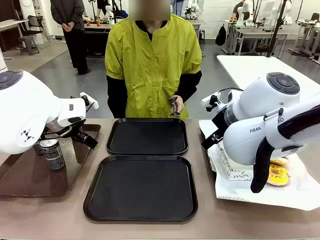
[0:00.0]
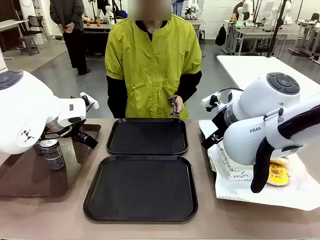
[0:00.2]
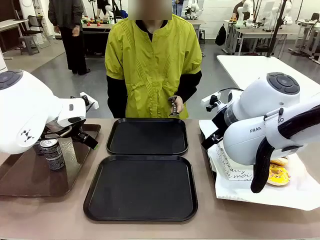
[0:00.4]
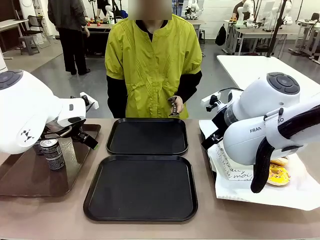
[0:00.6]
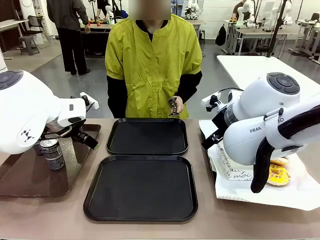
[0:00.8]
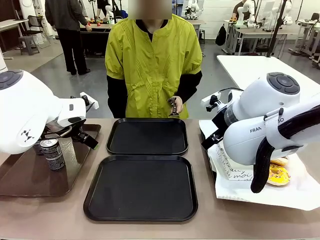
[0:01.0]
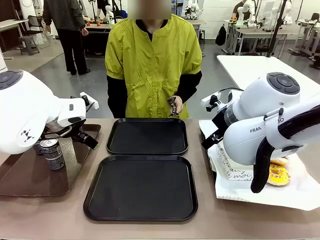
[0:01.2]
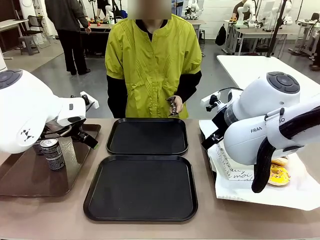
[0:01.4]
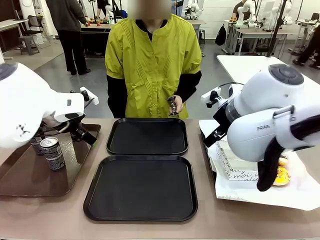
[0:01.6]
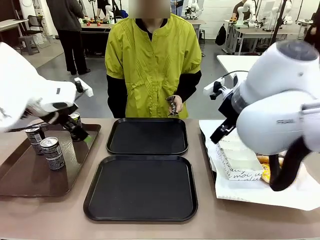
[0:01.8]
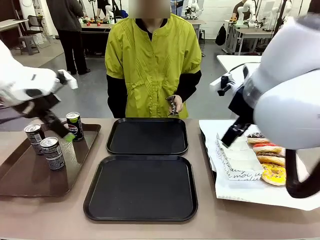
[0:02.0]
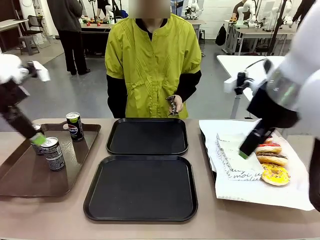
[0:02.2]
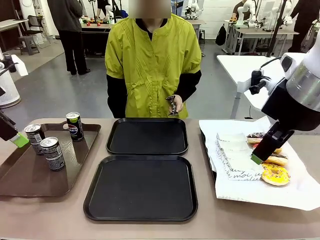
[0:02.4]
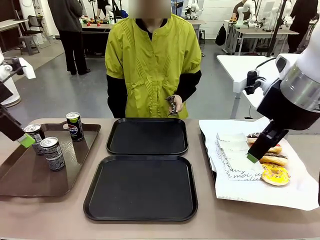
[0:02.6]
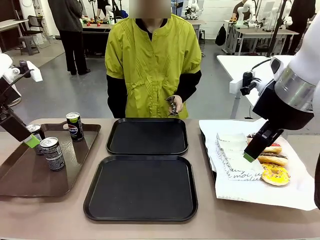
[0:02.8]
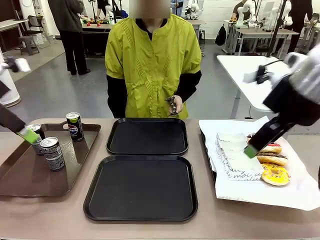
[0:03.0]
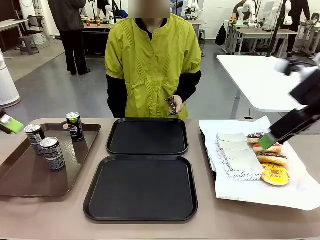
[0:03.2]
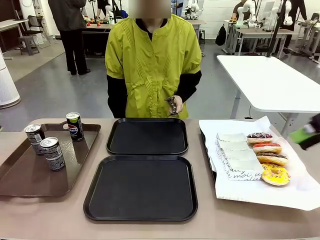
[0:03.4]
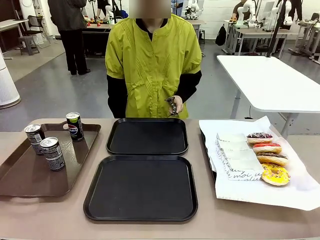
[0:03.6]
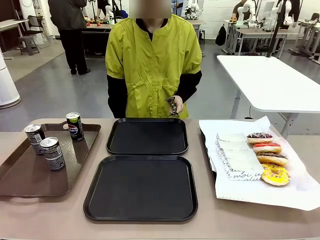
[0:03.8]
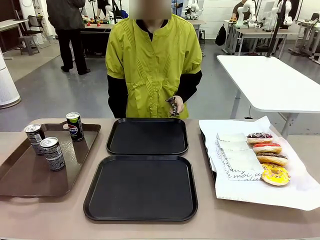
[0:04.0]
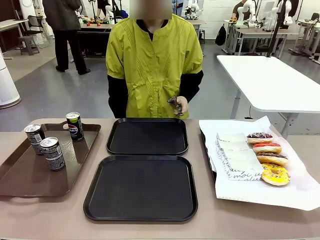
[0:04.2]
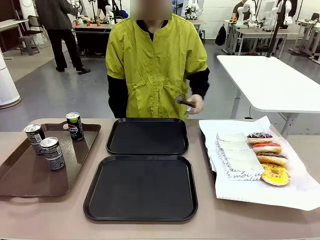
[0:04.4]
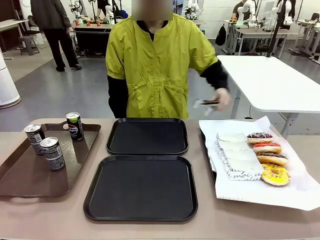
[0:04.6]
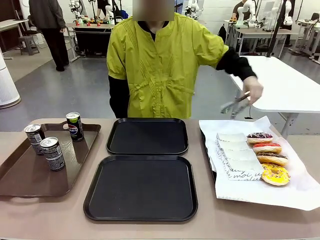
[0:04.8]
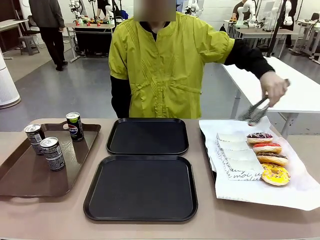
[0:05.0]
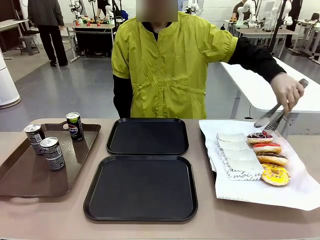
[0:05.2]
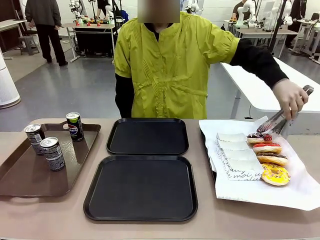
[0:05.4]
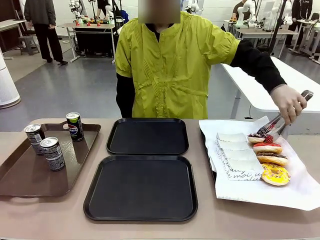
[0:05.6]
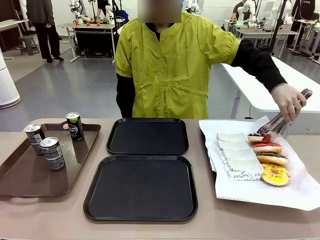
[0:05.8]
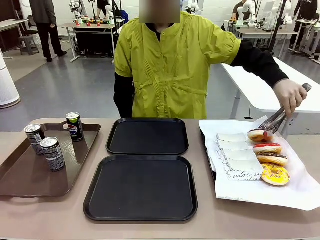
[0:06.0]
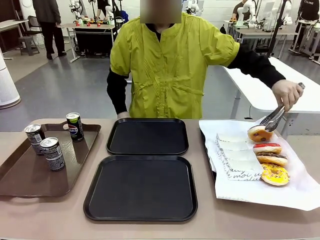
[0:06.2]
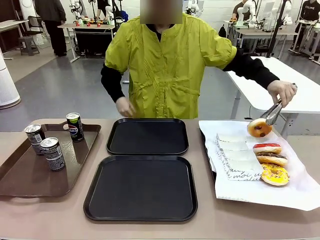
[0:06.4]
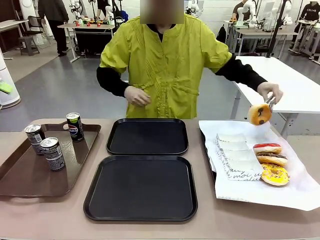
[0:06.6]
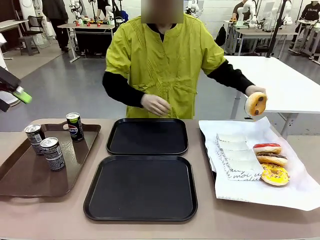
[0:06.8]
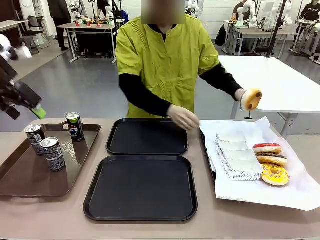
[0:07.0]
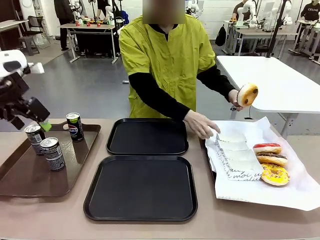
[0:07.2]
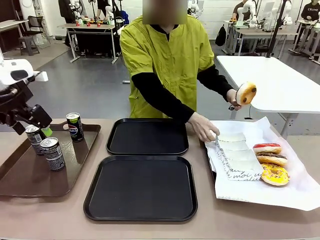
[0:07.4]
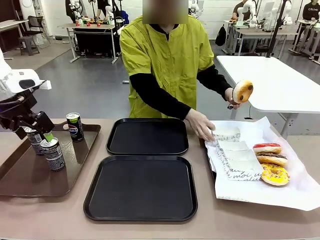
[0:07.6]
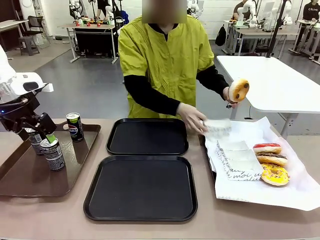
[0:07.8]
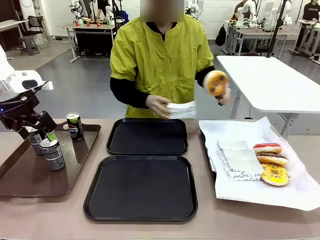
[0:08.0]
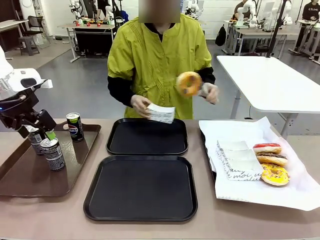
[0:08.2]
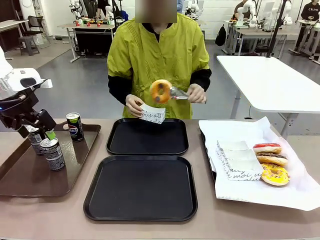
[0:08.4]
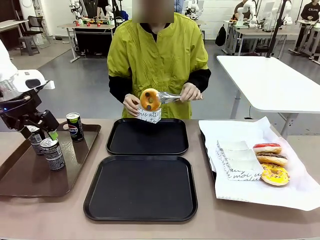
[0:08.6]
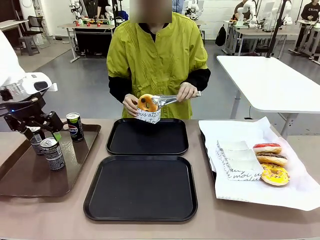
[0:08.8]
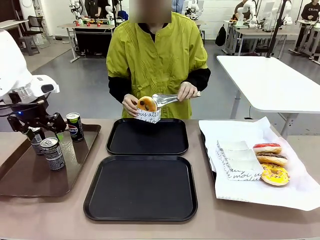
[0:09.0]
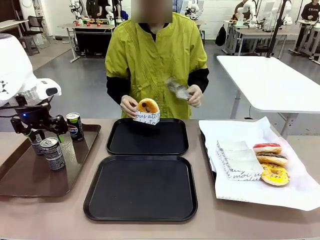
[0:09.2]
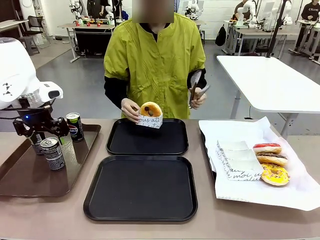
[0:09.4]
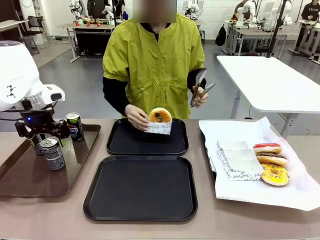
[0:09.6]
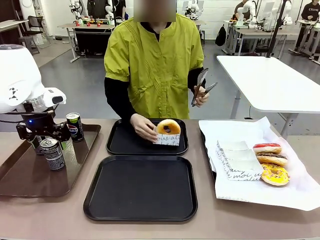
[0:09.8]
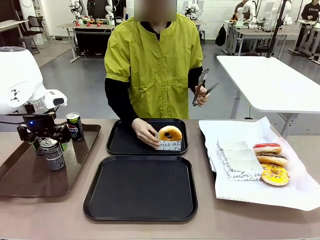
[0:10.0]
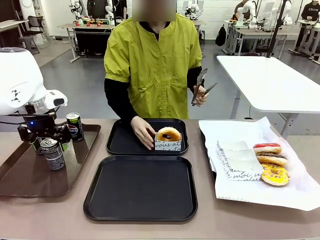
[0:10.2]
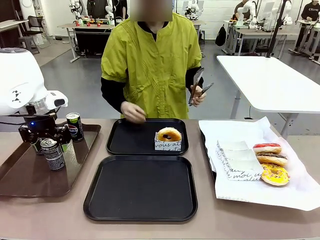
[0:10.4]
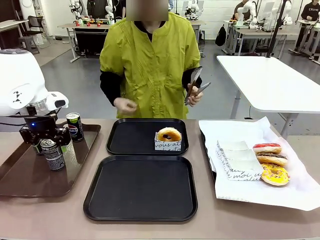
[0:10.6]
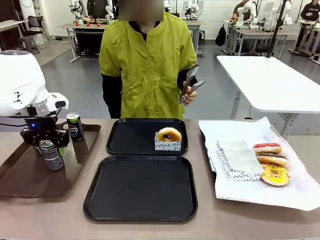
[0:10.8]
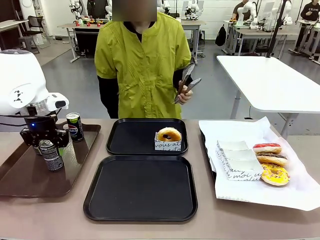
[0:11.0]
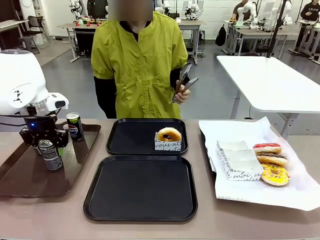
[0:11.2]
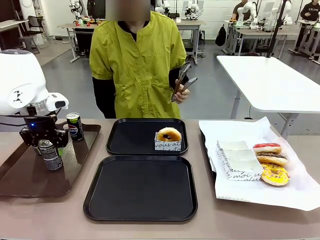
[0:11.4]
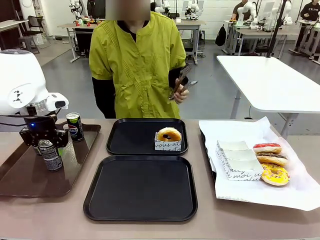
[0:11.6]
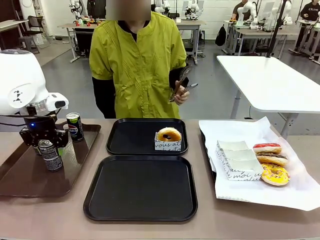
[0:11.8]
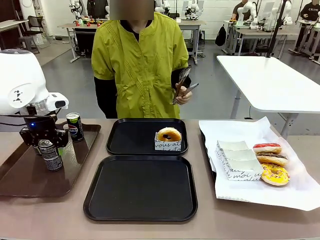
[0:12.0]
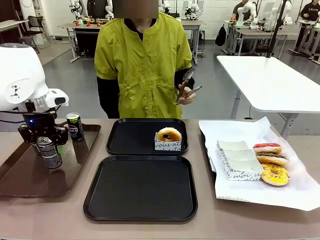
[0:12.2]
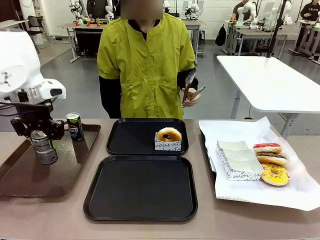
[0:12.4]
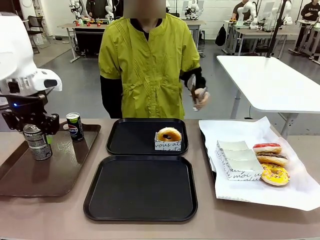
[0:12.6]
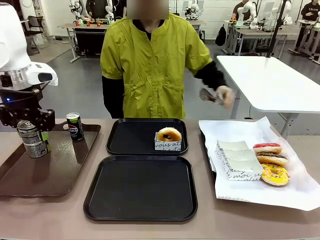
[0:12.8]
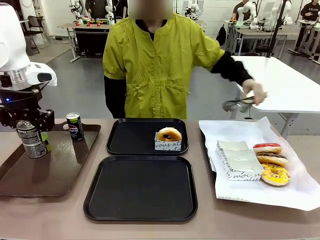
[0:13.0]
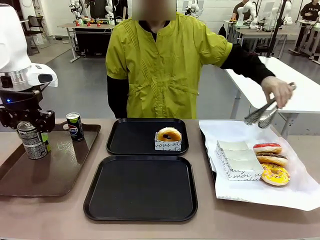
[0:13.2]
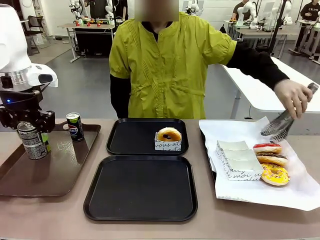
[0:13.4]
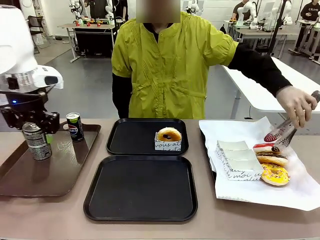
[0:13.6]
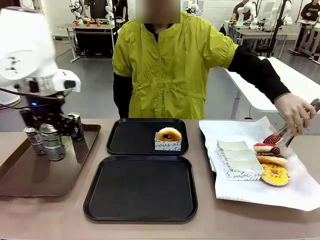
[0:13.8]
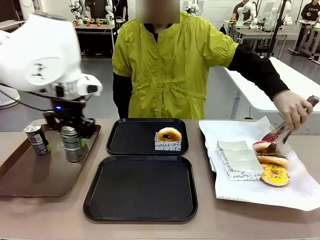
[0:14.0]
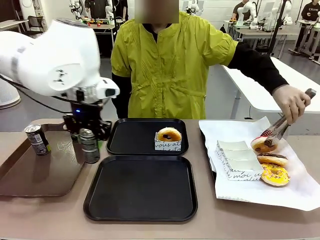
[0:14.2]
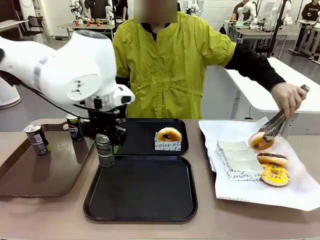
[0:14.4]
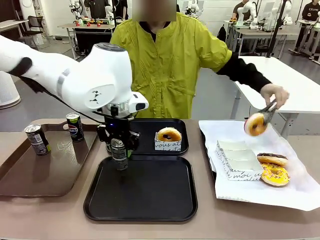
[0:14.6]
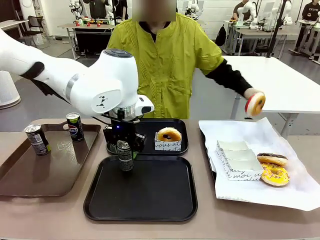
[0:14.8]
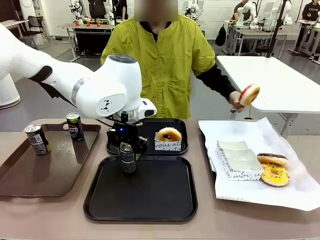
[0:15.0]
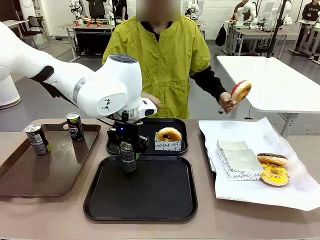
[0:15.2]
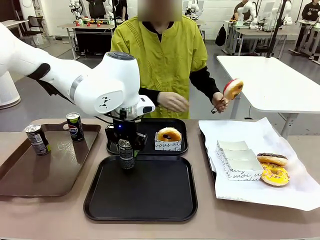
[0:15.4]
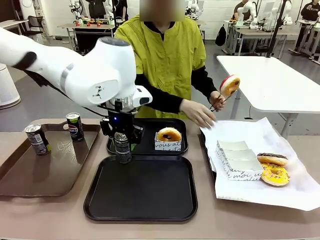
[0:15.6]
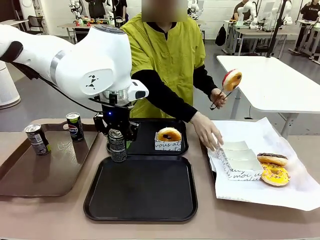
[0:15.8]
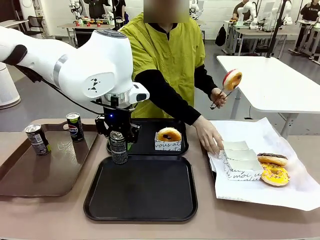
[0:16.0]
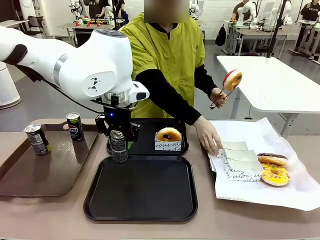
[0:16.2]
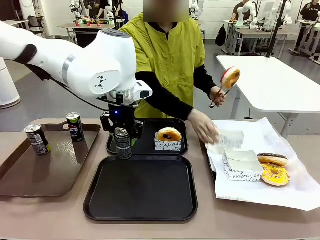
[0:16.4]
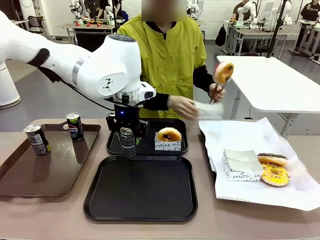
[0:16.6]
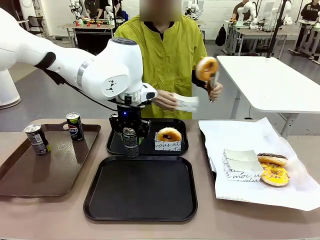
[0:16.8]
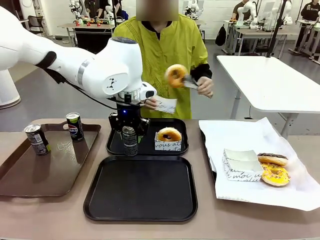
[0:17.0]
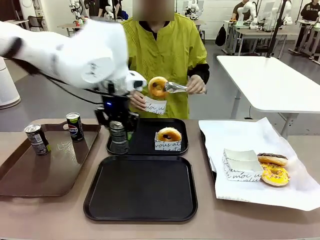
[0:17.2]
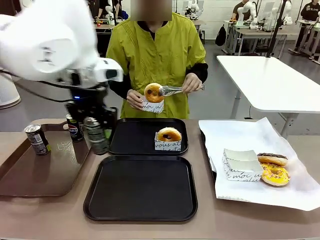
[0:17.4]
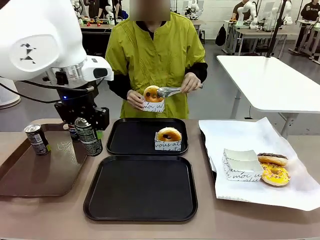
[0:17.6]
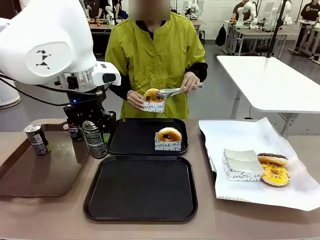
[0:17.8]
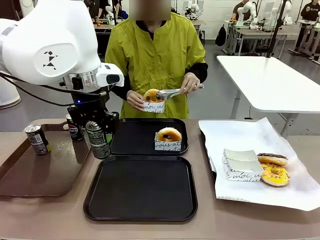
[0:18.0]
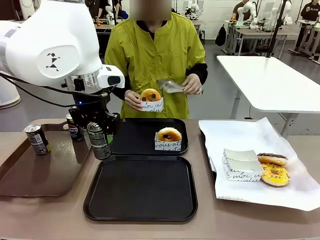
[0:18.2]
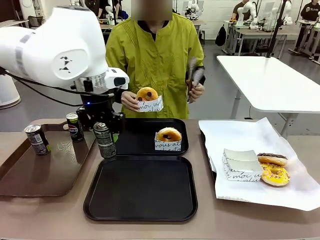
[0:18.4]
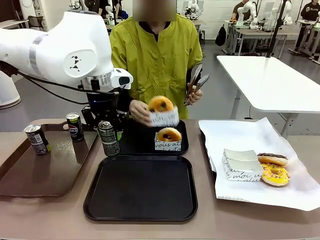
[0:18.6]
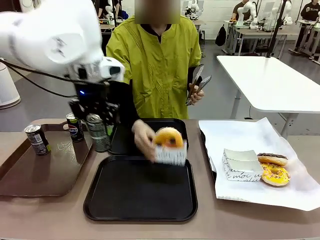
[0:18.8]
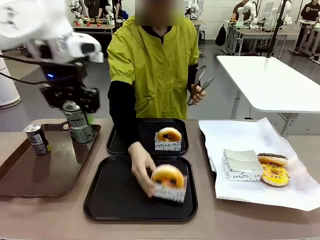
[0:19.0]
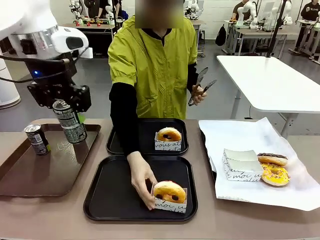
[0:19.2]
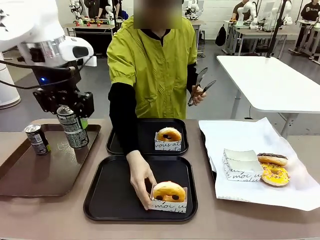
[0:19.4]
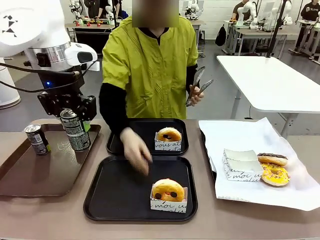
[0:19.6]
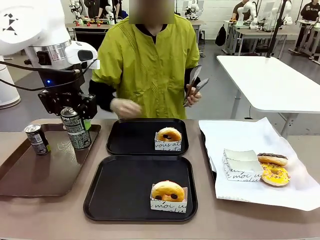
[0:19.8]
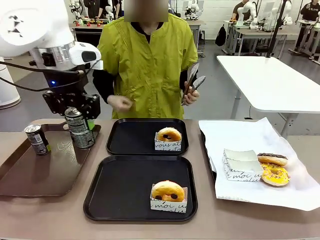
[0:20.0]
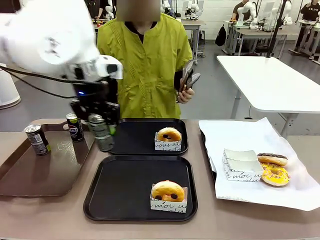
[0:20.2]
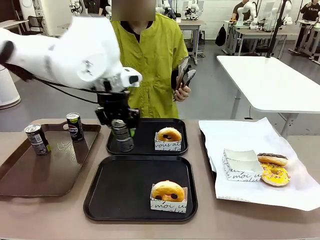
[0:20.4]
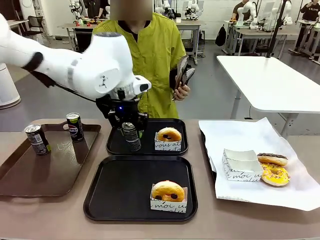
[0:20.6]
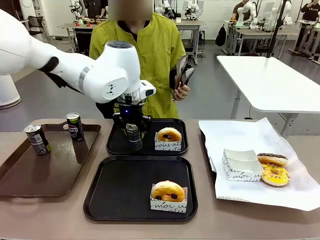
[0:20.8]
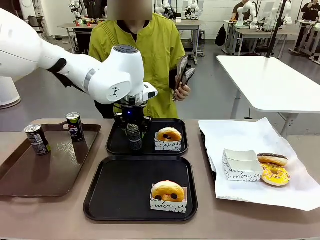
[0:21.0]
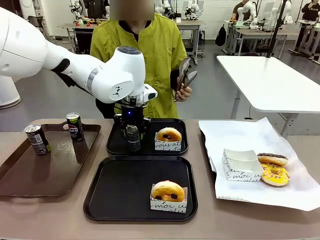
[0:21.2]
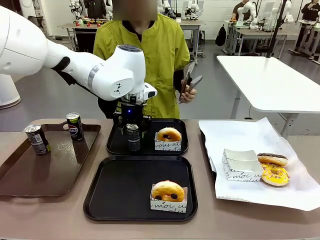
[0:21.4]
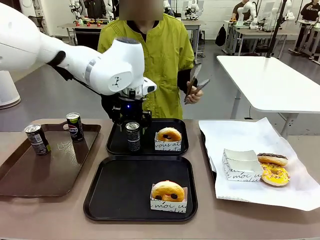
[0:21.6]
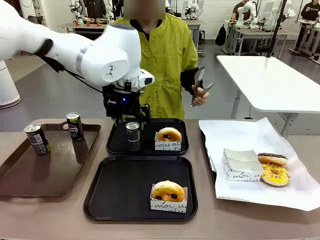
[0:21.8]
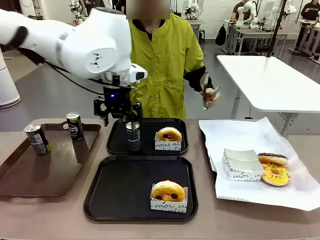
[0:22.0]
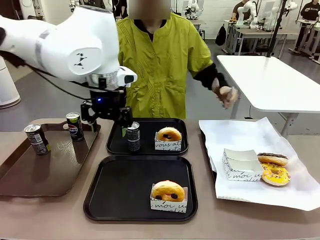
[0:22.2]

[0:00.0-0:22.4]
Task: Set up donuts and drinks on trays.
Robot: Pick up one Pepsi coke and place it on the Flat Tray.
Person: Pick up one donut with tongs, place it in the donut tray, and then place the donut tray on the flat tray.
